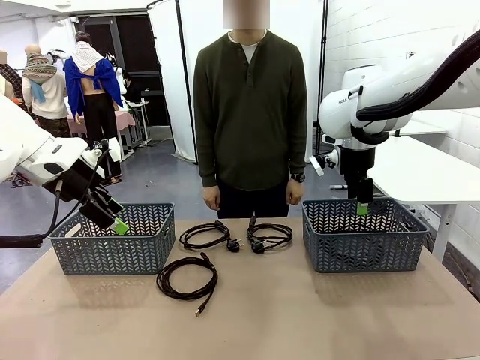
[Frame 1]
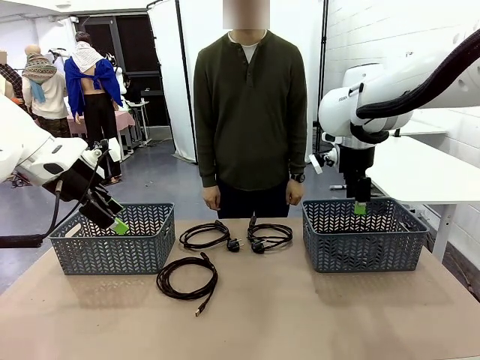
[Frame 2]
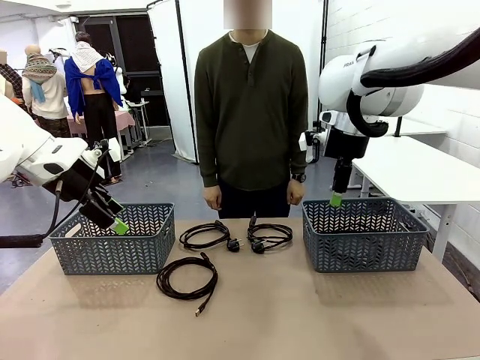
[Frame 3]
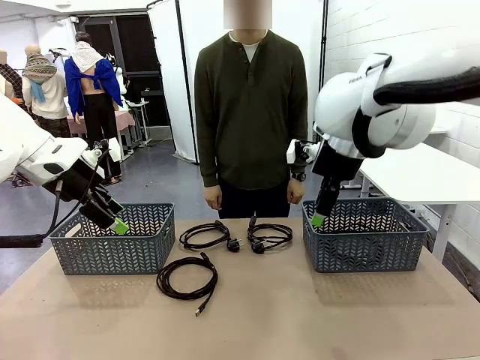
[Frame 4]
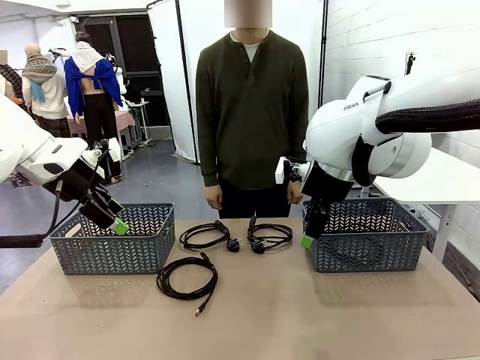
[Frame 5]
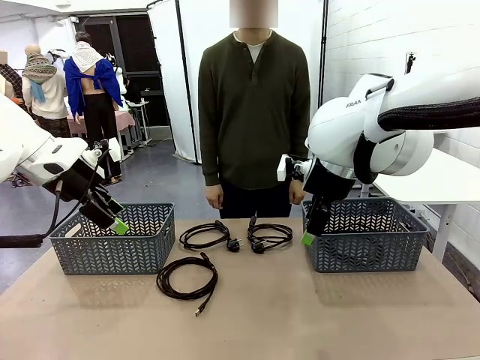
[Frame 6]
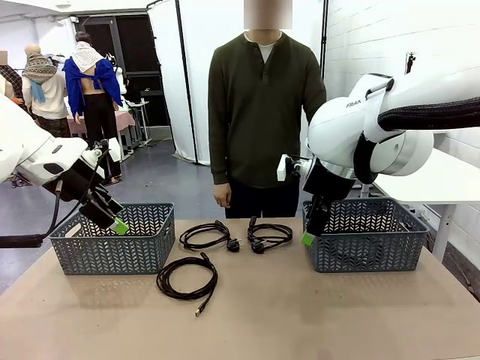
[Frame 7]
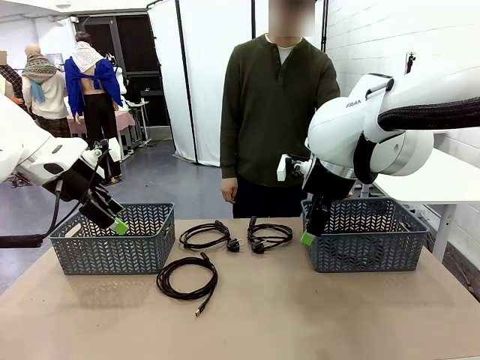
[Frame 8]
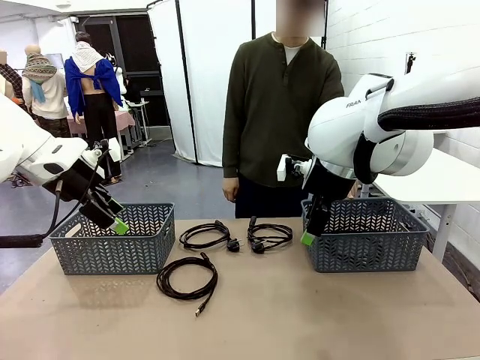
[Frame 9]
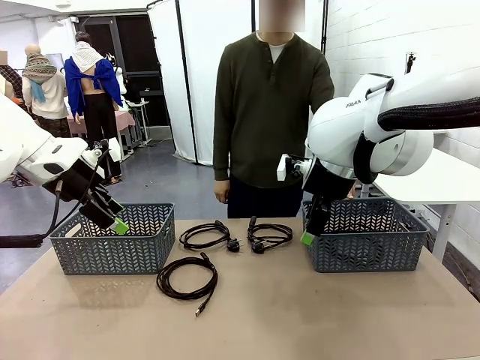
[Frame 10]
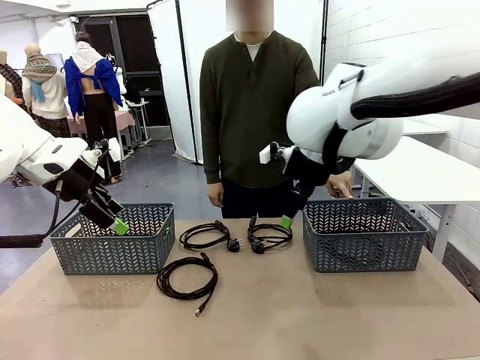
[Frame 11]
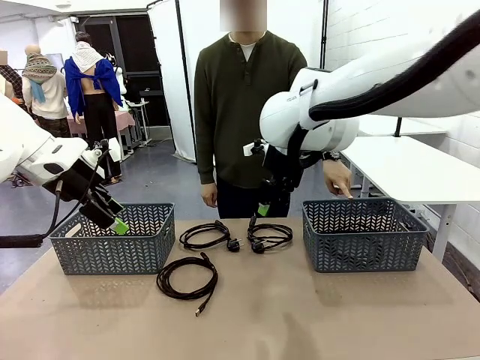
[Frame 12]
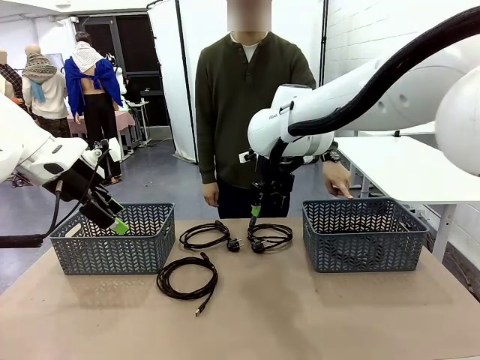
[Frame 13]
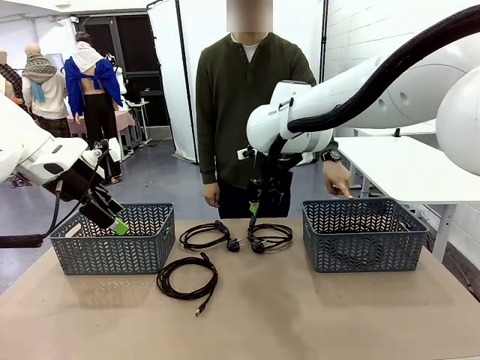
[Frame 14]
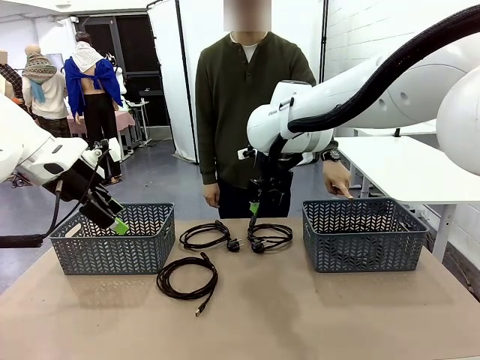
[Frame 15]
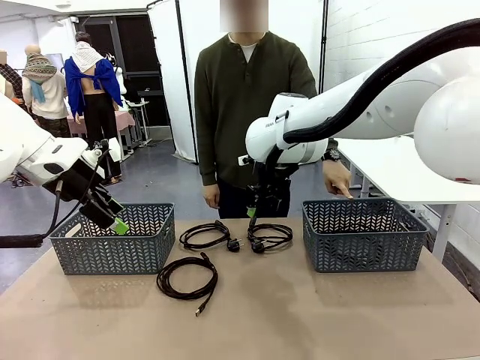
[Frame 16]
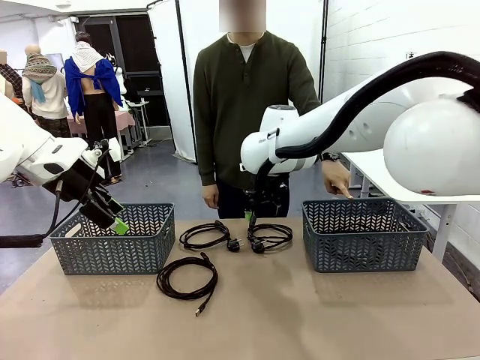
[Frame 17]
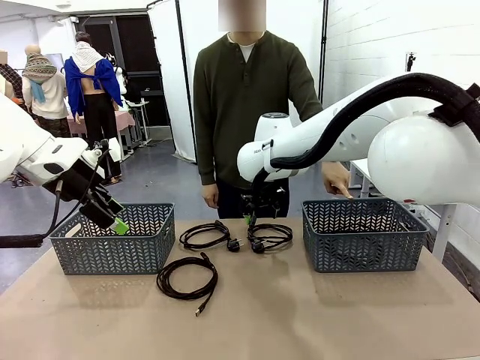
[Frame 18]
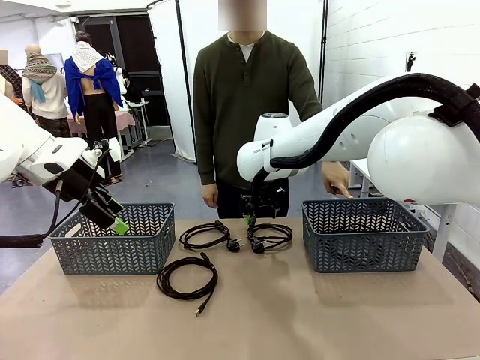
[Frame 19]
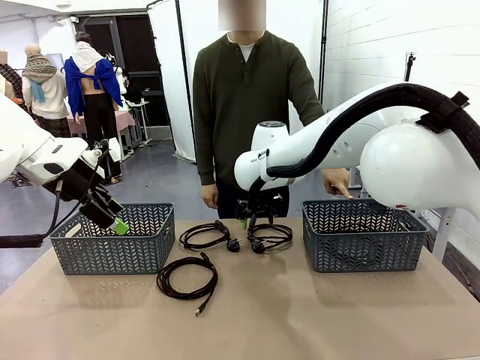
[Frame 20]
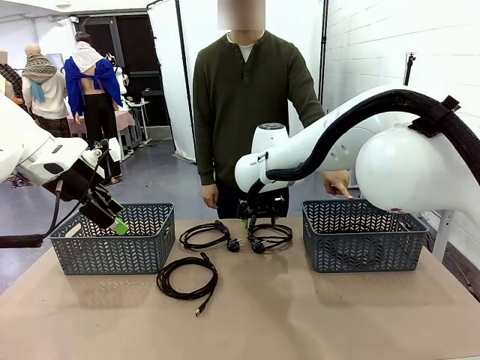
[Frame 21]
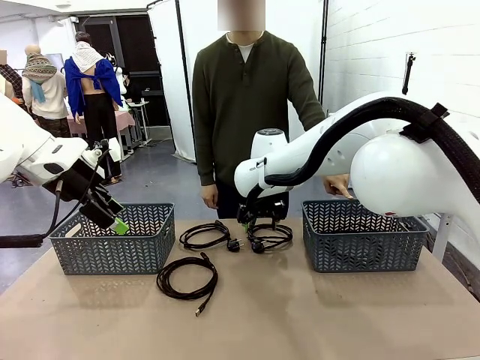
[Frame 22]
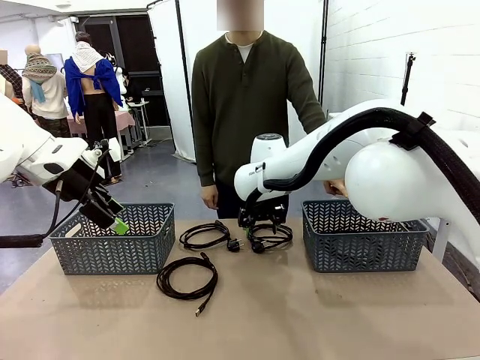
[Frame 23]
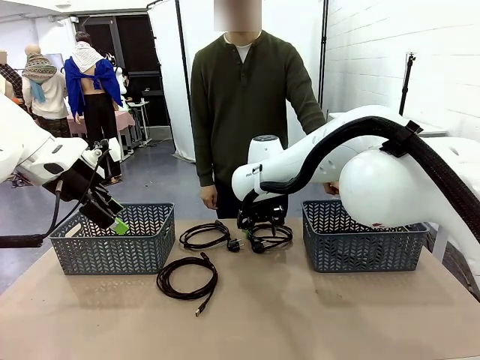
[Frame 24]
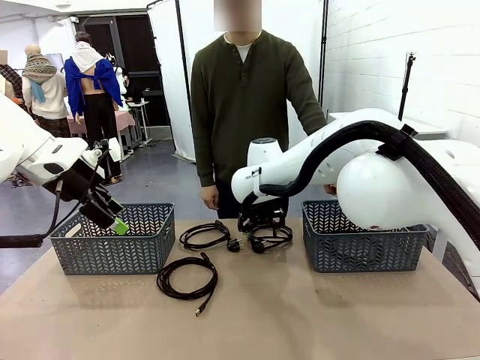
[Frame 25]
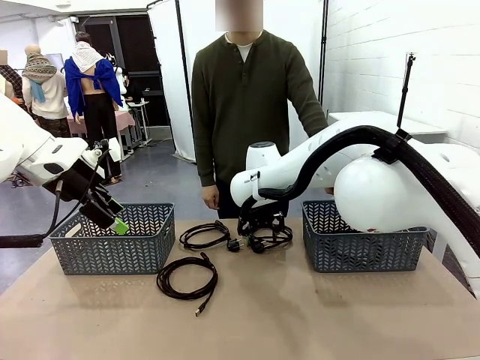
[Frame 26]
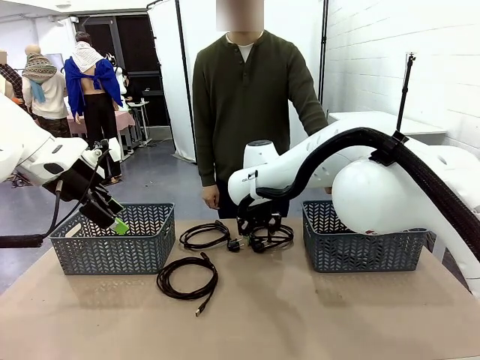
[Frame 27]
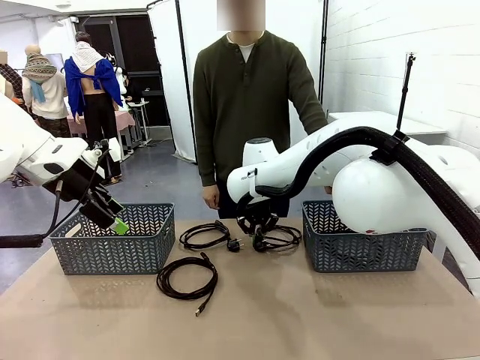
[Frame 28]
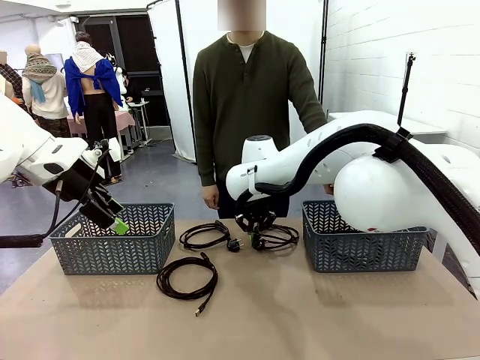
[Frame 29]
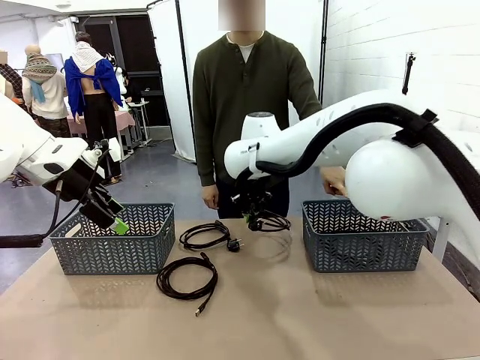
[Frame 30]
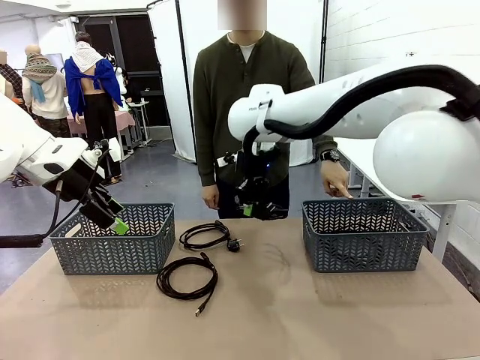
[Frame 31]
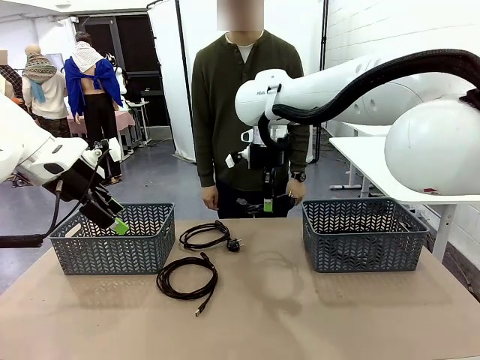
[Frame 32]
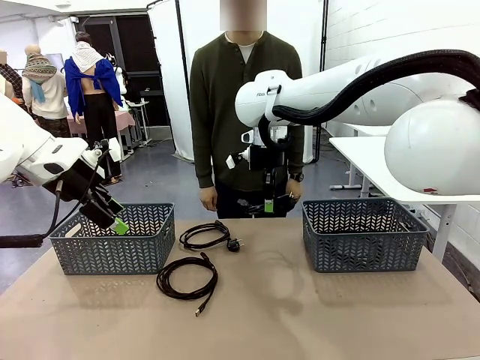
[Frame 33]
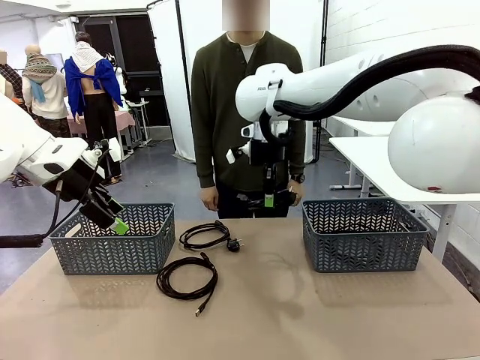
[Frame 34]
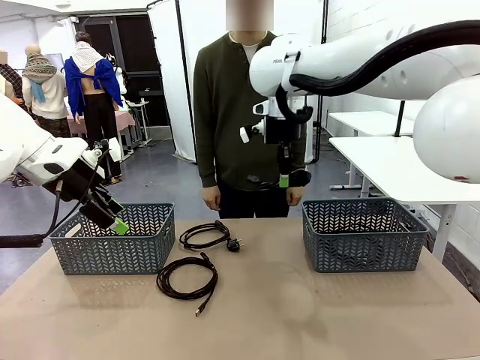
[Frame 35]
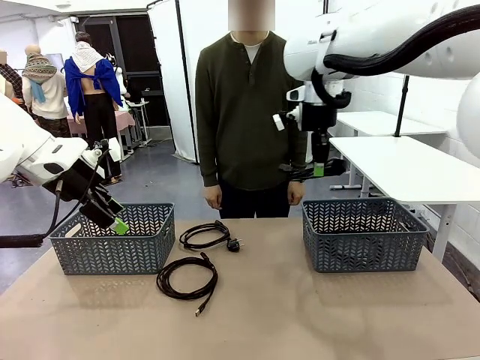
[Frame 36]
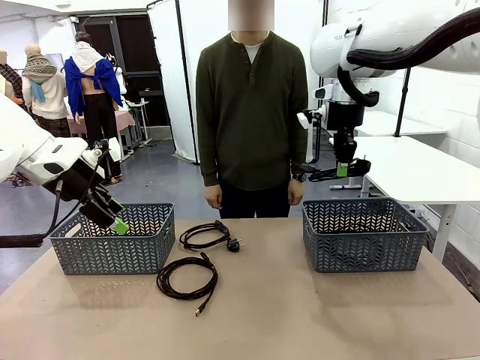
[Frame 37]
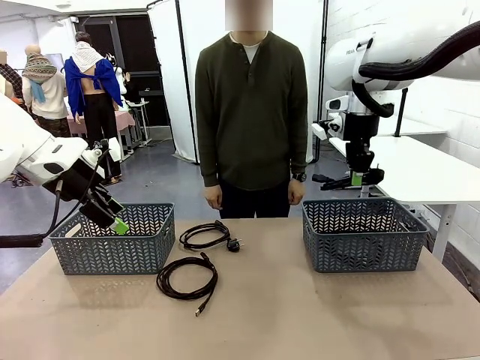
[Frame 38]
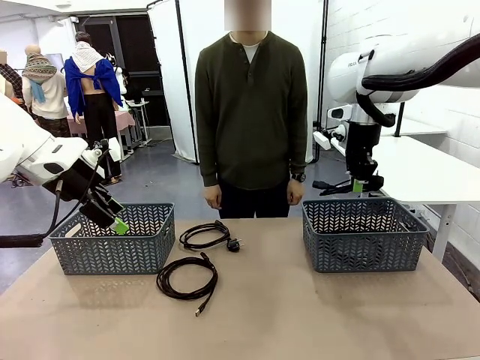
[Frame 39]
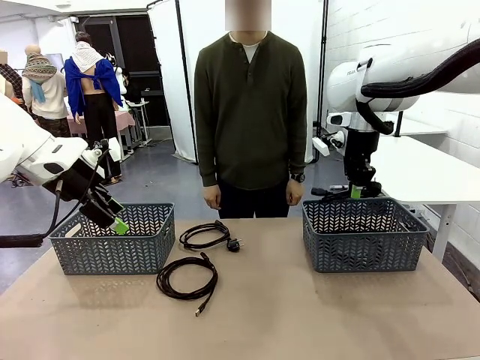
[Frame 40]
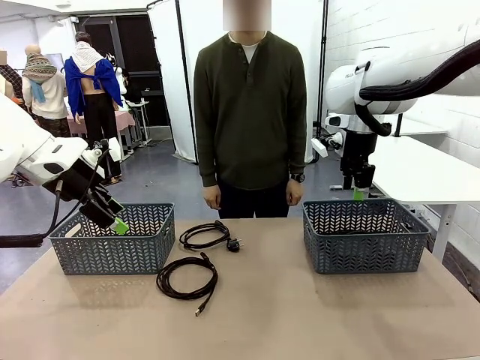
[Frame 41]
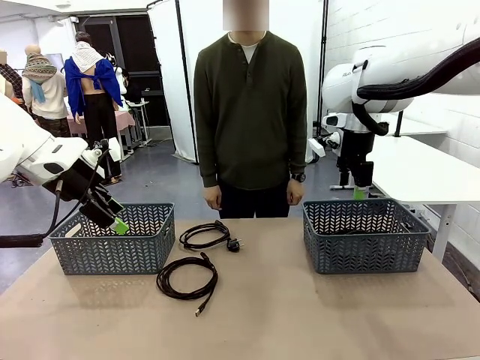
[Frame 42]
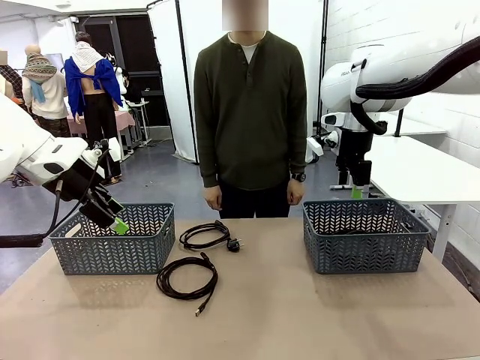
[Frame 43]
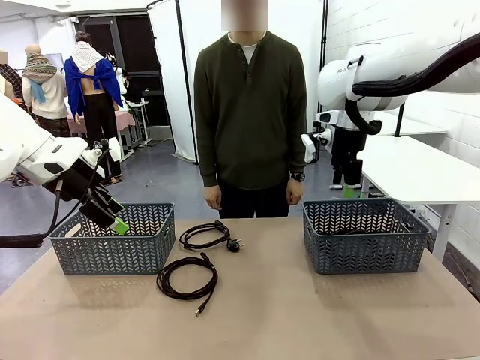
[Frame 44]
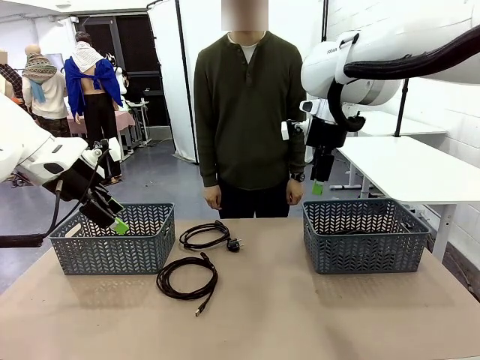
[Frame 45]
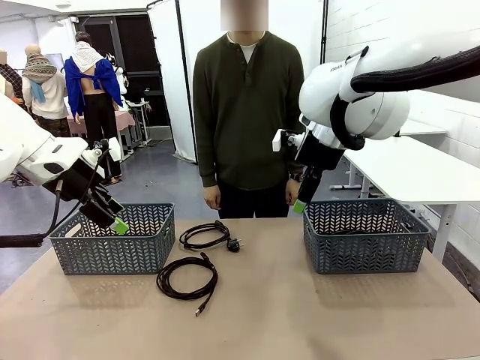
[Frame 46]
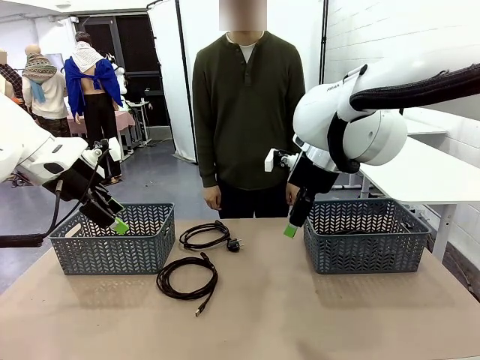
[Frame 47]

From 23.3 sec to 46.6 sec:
Task: Organize the cables according to human instructions.
Robot: Pick up a bundle of cables and place it in the basket indicated by the human.

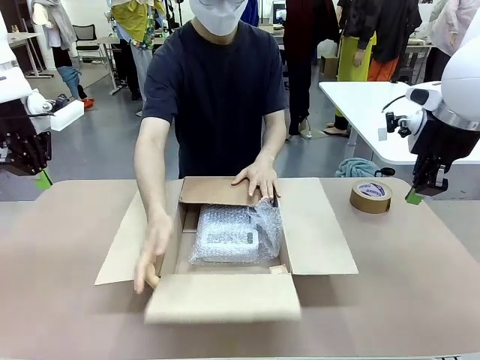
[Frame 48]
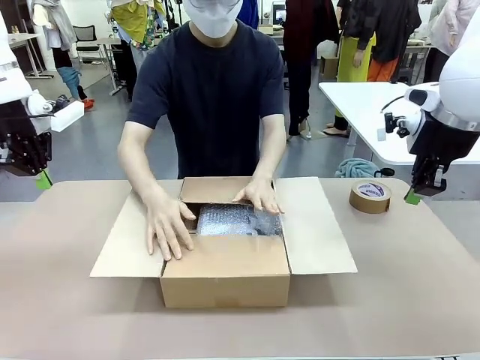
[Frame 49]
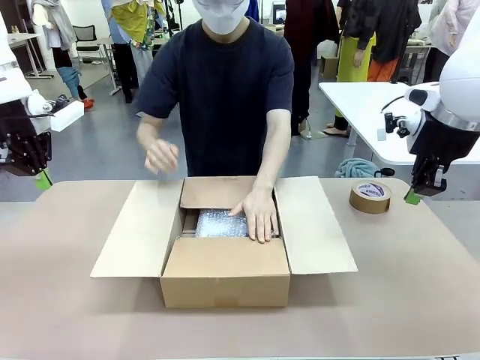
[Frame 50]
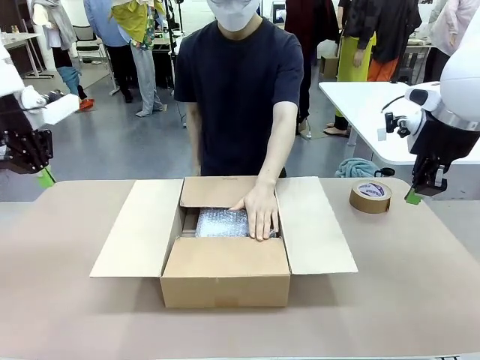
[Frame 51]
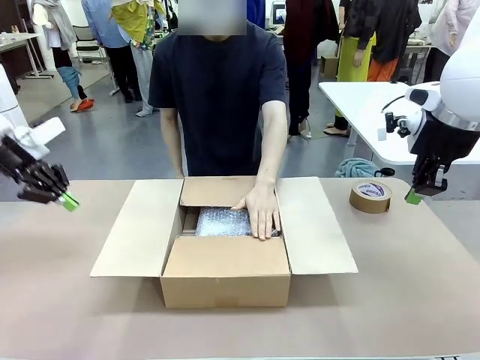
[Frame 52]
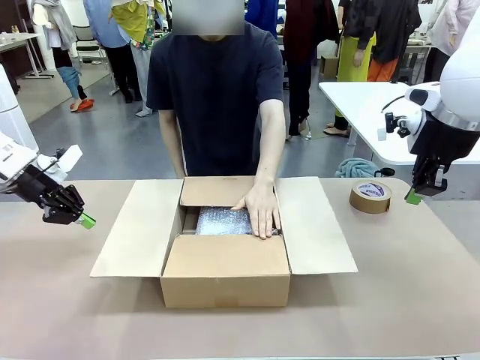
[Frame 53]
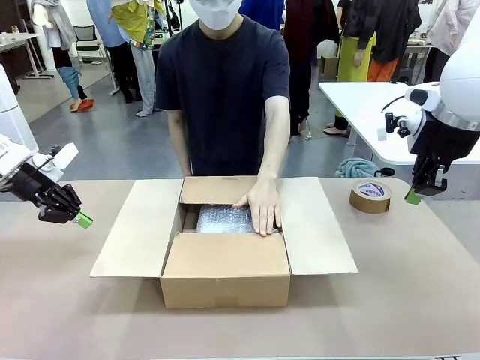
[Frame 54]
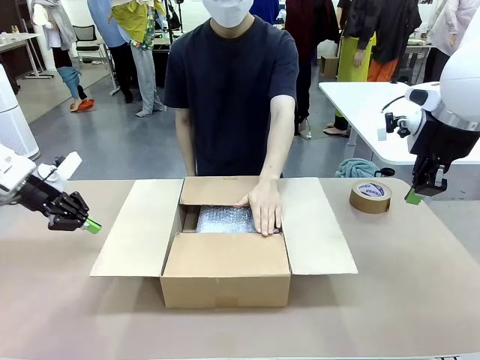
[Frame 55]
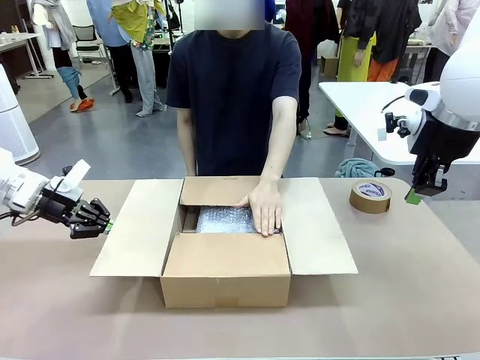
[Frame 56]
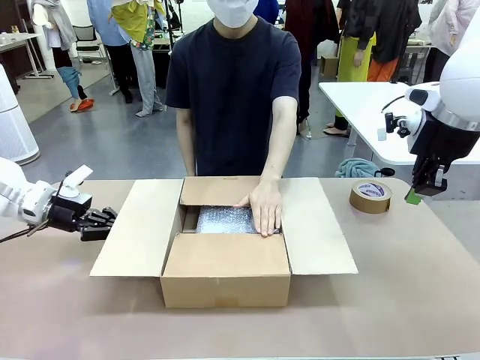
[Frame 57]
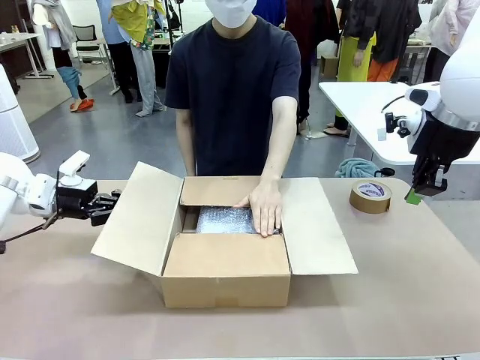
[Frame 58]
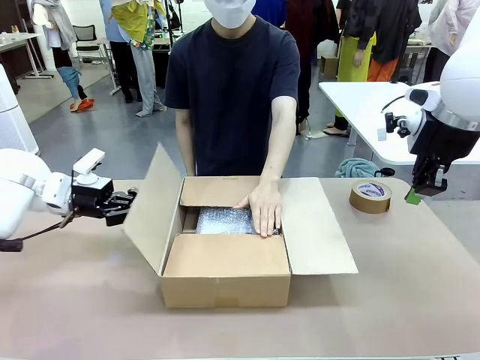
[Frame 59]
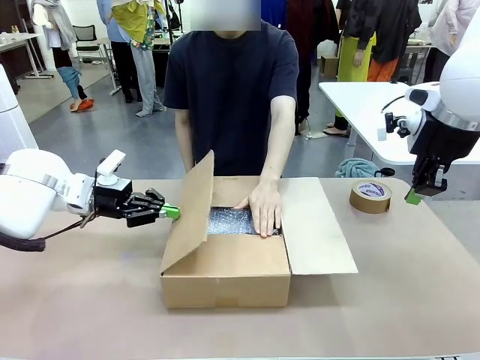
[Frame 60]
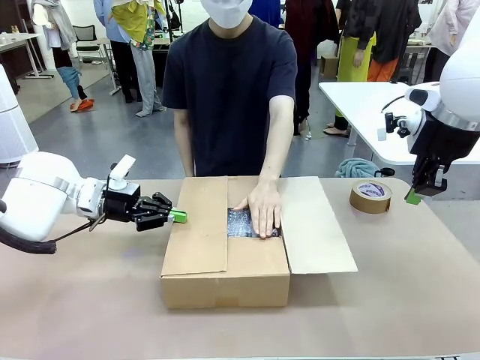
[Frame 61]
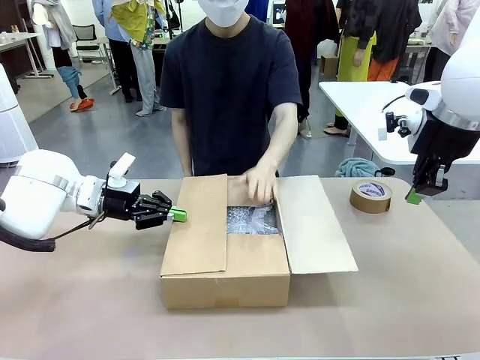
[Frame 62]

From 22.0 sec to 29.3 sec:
Task: Wrap the clocks to prevent damage.
Robot: Push the right (or left) flap of the Package Box to close it.
Person: Once the robot closes the right flap of the Package Box , release your left hand from the box.
